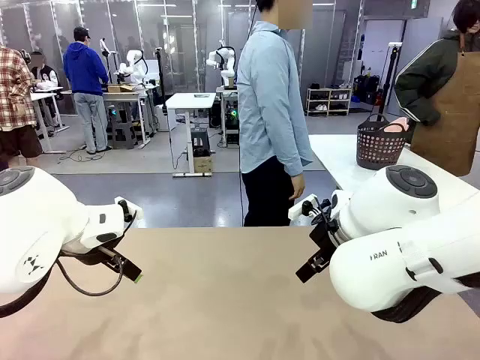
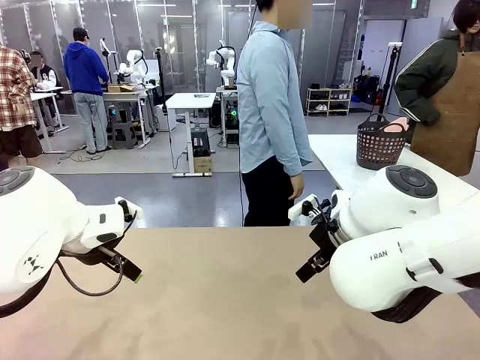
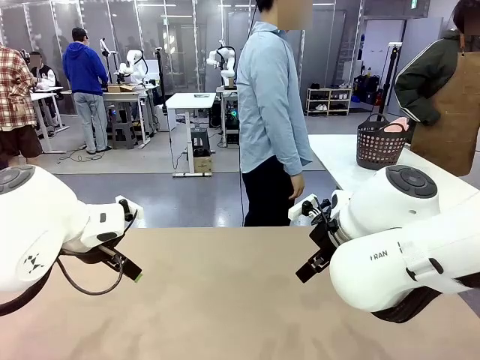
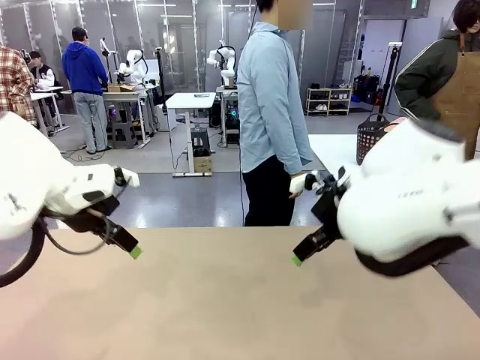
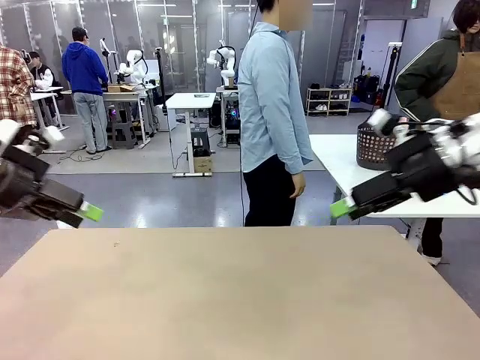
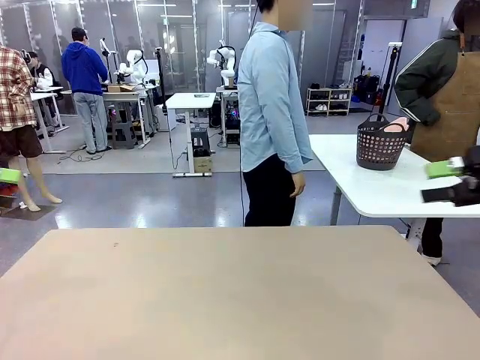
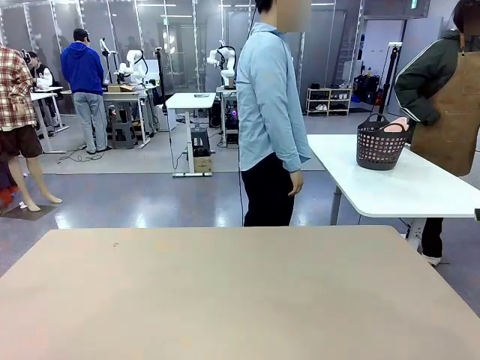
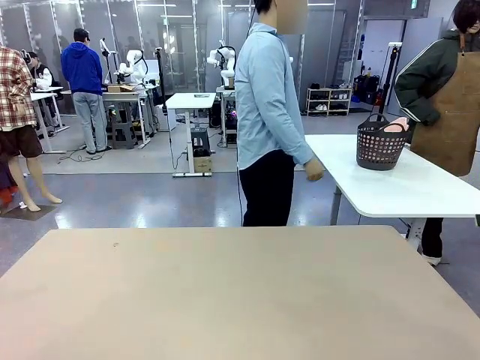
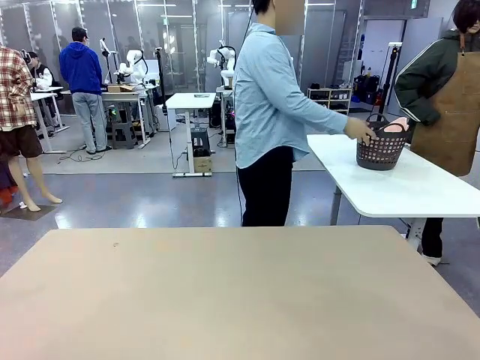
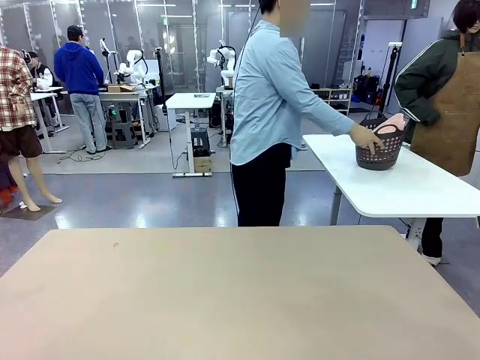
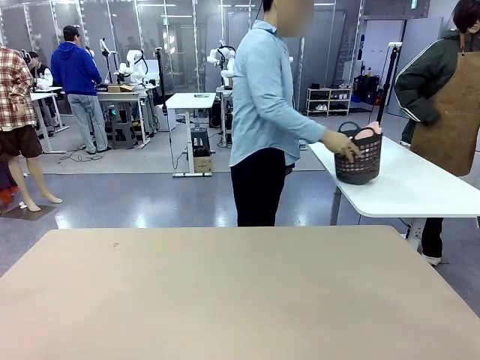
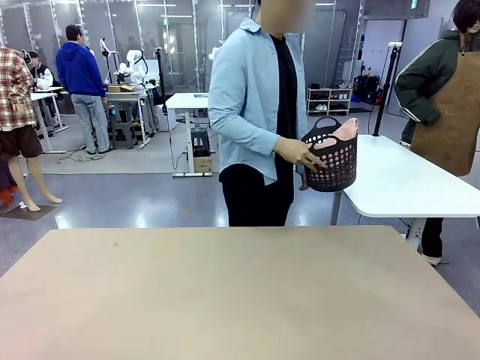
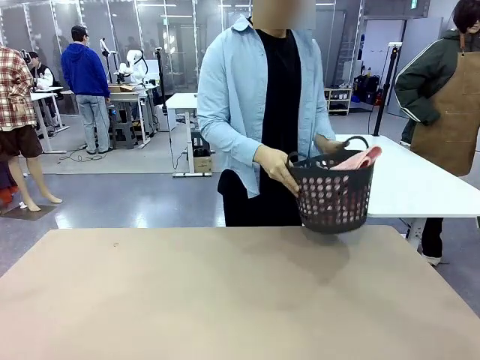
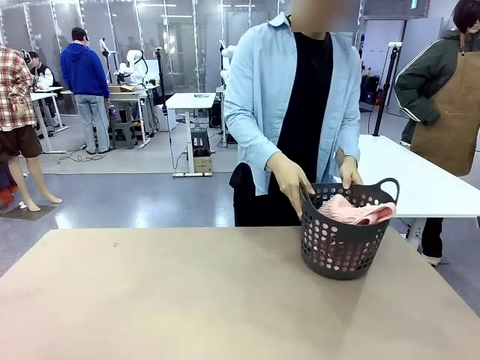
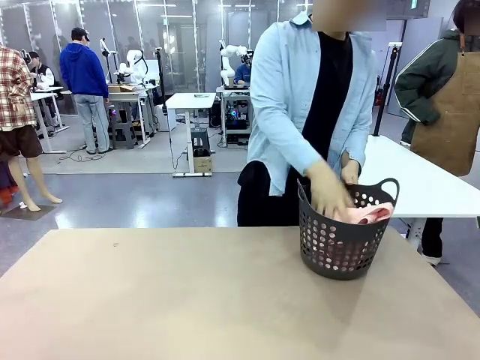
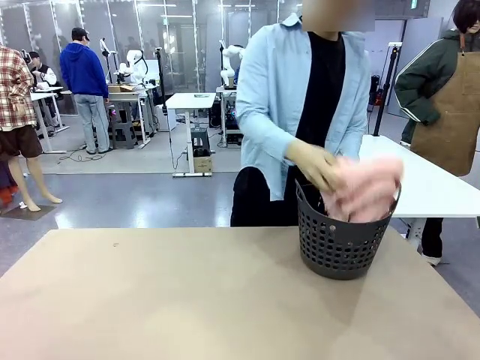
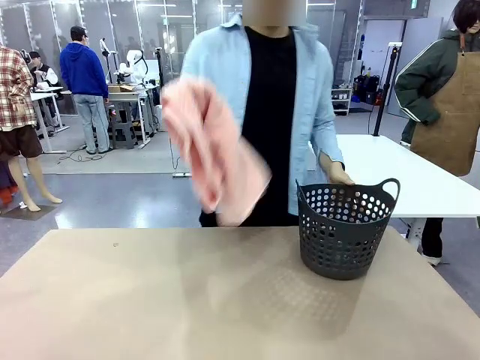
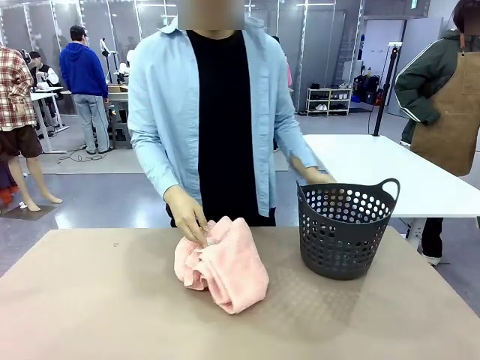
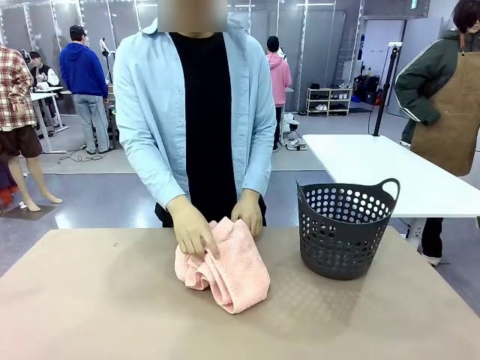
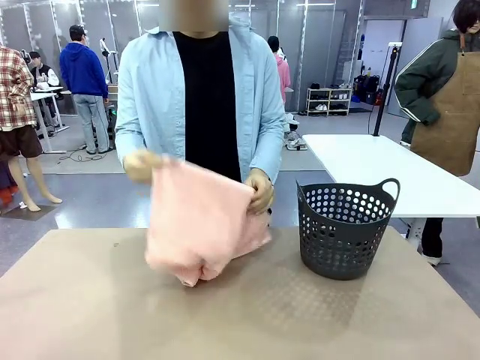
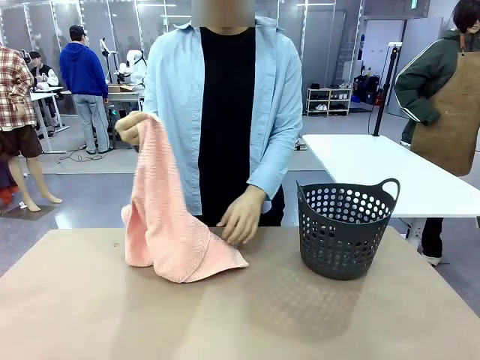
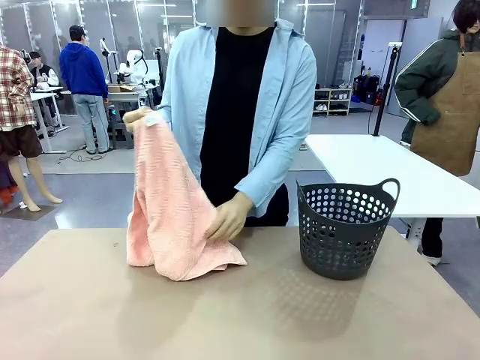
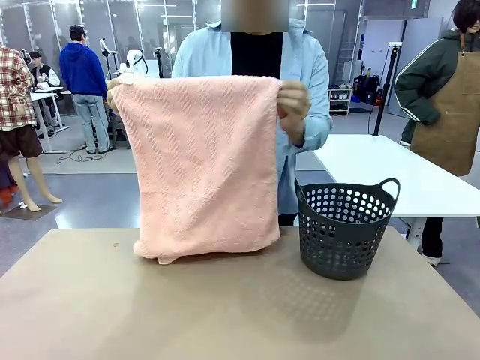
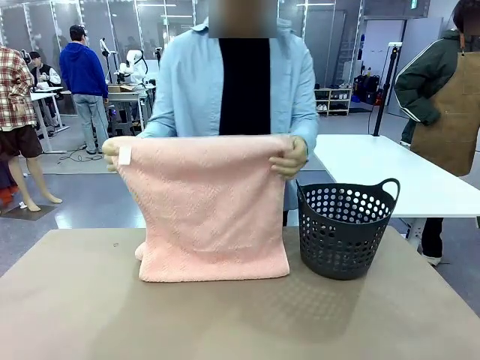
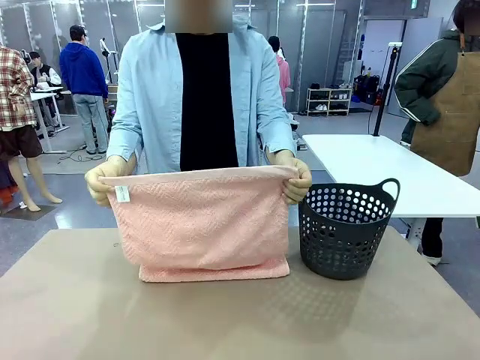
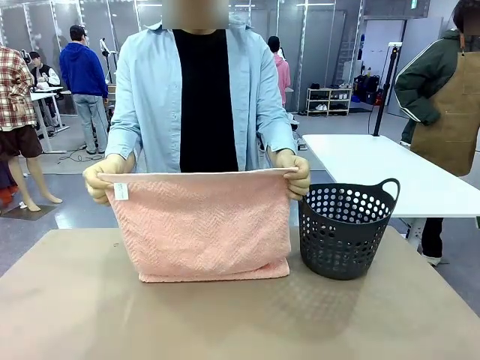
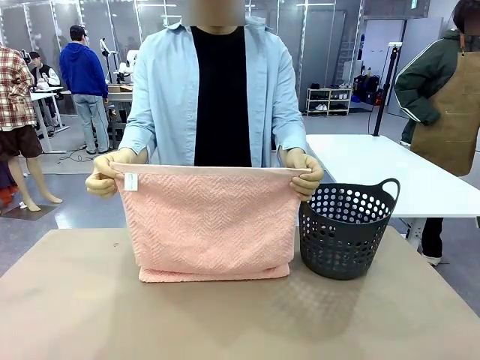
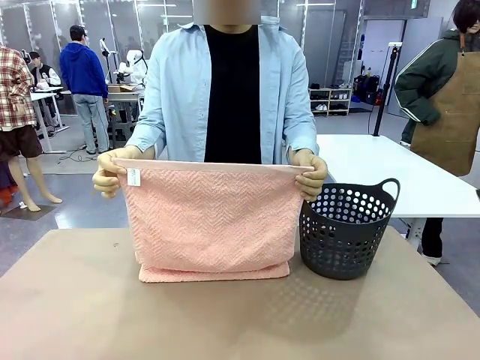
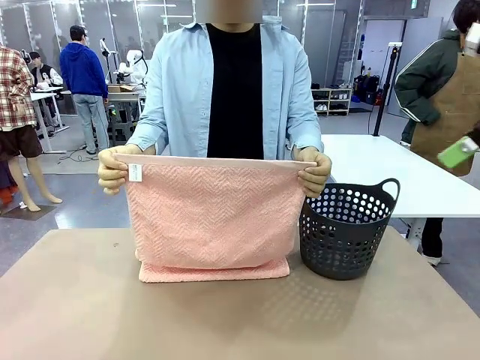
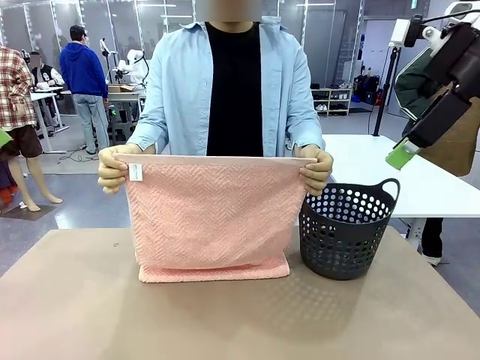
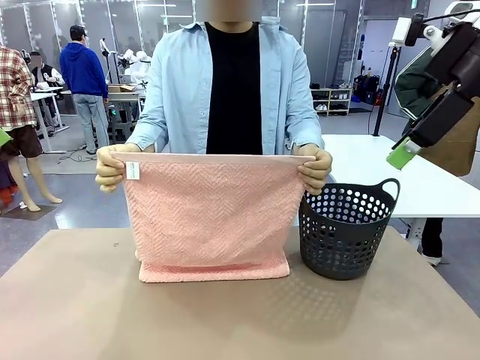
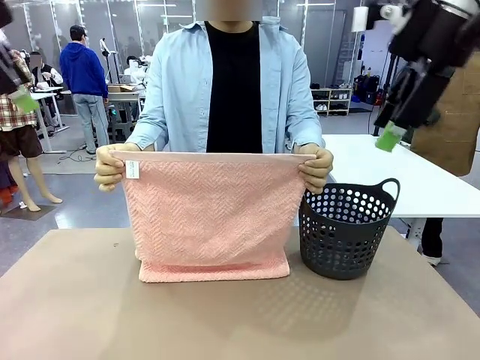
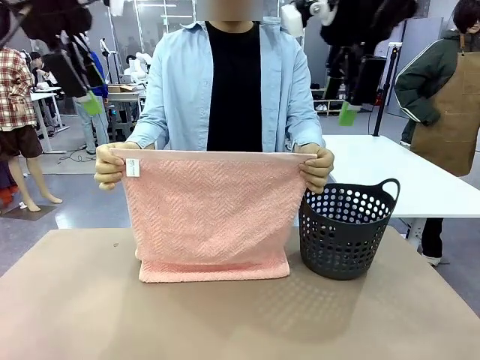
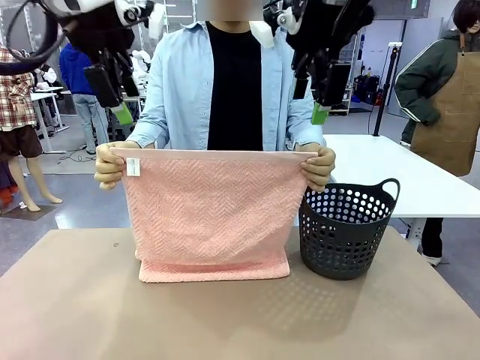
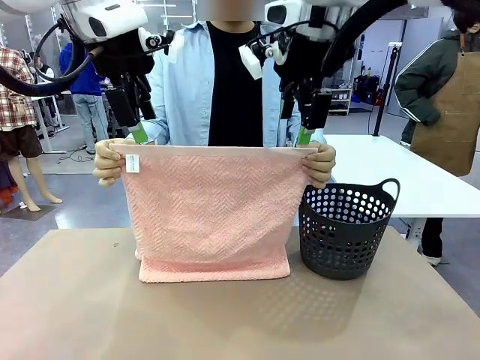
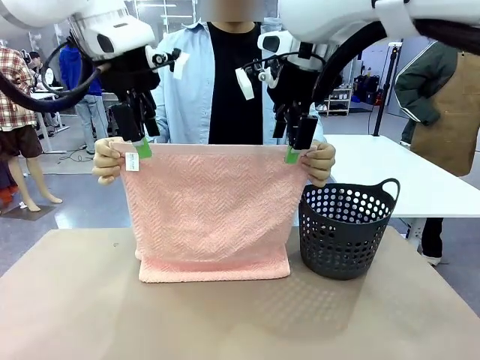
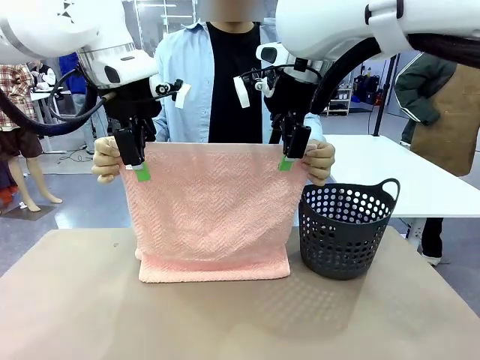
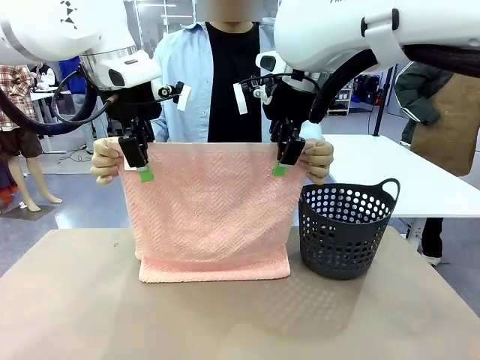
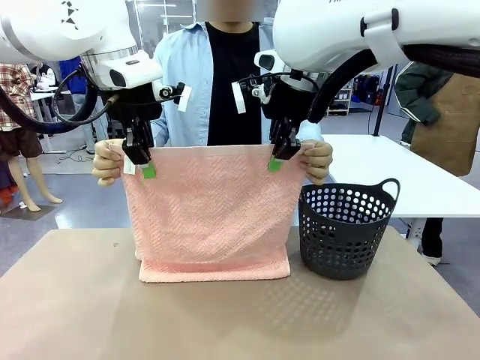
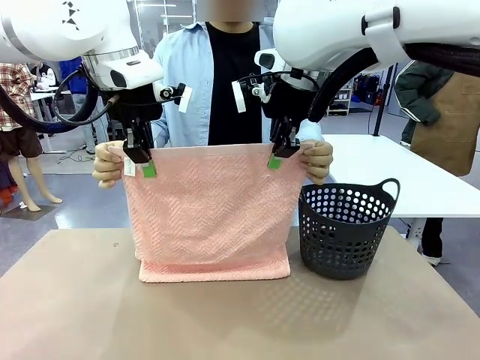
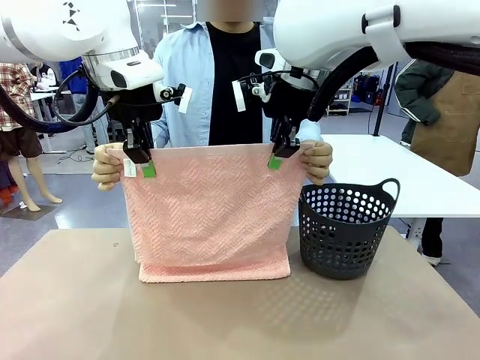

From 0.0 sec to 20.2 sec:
Task: Fold the towel.
Robot: Grab the top end of the 100 cm Hotel Towel extended by the human.
Person: Pick up the laundry basket, place it on the left side of the robot table, then take out a towel and hand it to the robot while holding both corners of one end.
